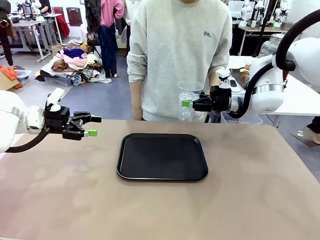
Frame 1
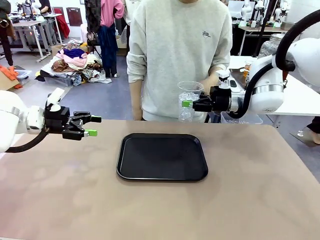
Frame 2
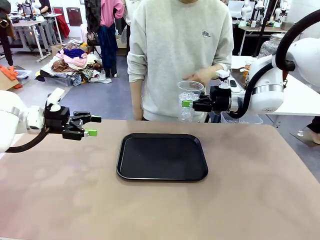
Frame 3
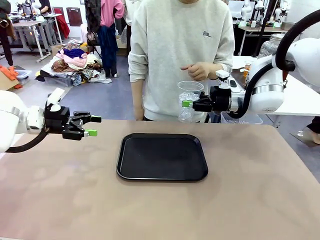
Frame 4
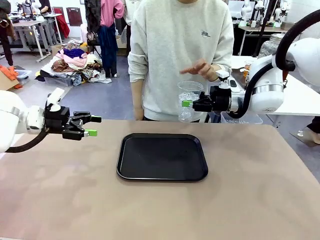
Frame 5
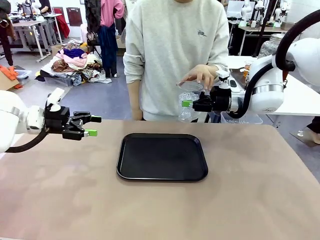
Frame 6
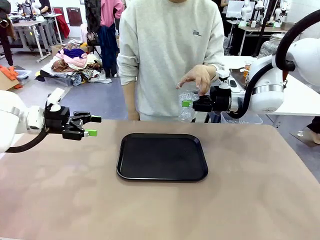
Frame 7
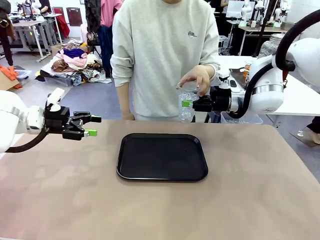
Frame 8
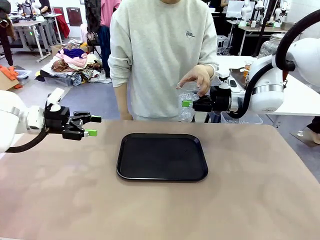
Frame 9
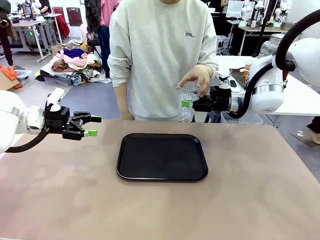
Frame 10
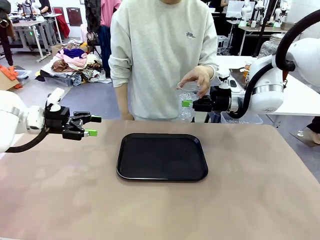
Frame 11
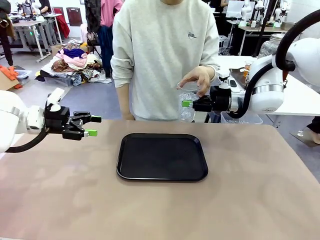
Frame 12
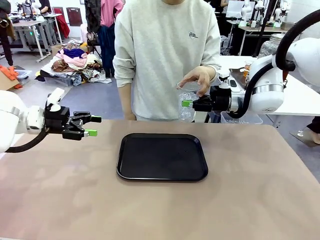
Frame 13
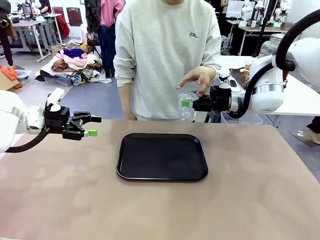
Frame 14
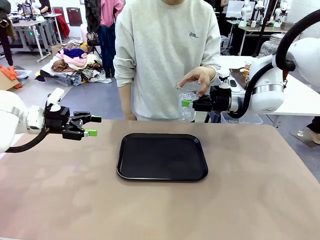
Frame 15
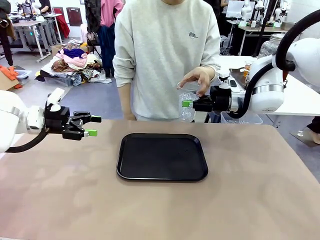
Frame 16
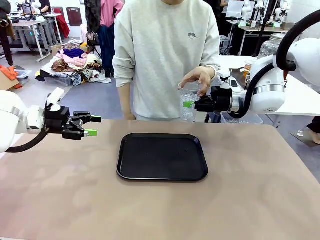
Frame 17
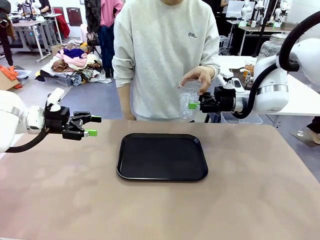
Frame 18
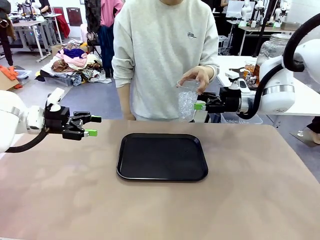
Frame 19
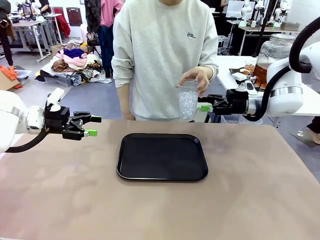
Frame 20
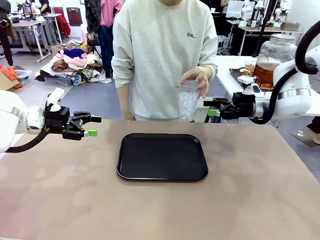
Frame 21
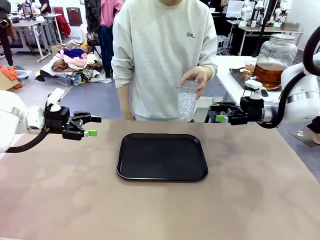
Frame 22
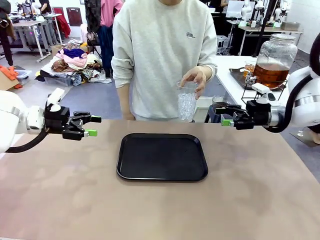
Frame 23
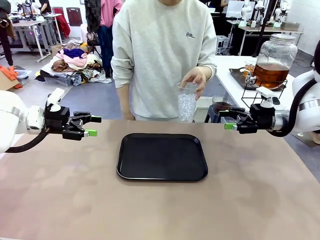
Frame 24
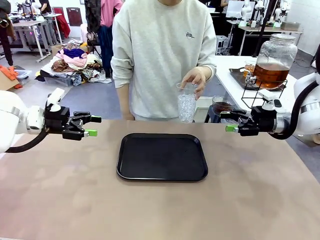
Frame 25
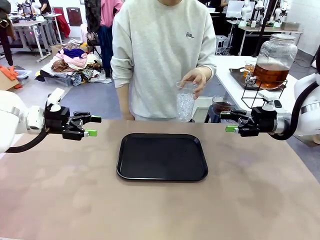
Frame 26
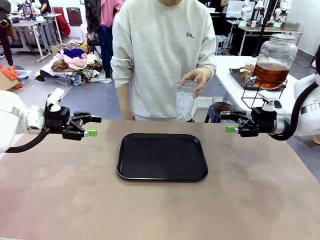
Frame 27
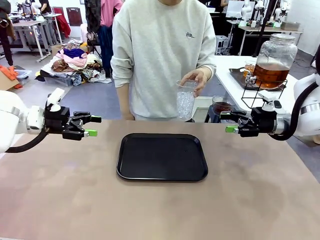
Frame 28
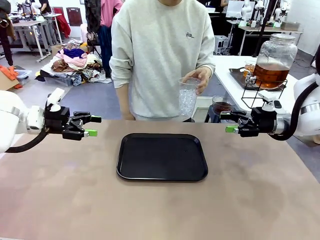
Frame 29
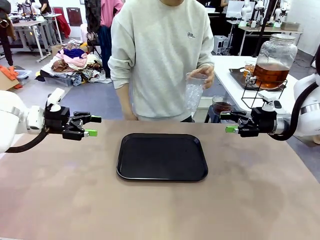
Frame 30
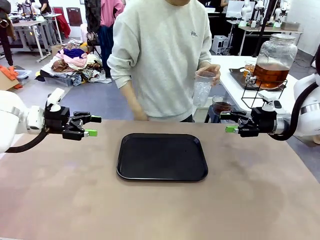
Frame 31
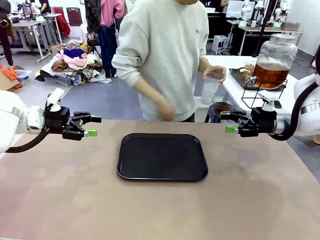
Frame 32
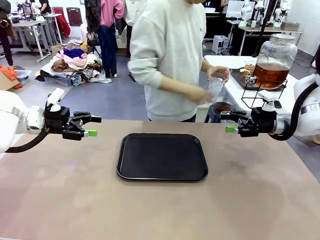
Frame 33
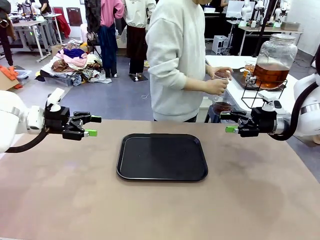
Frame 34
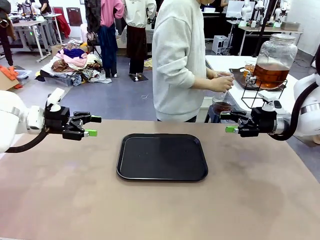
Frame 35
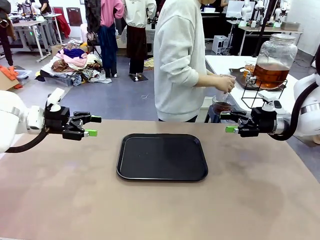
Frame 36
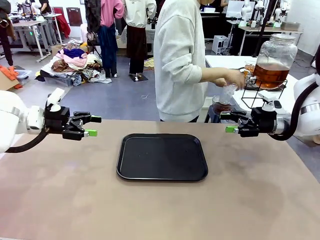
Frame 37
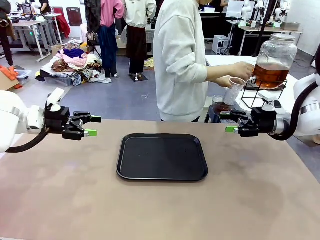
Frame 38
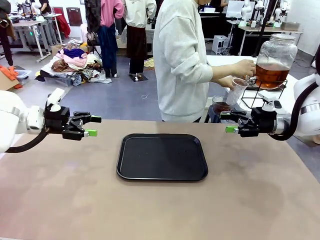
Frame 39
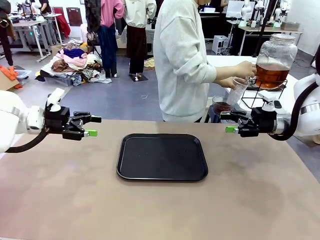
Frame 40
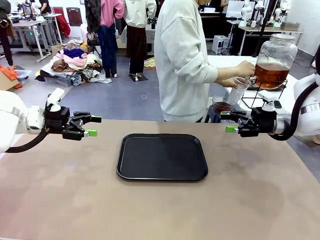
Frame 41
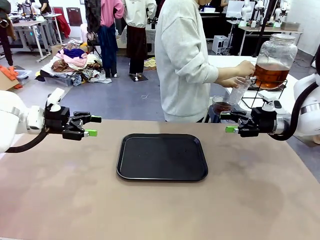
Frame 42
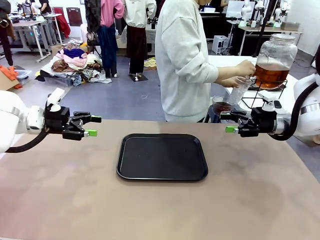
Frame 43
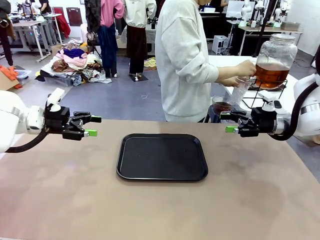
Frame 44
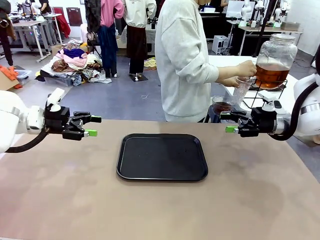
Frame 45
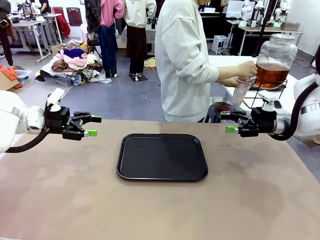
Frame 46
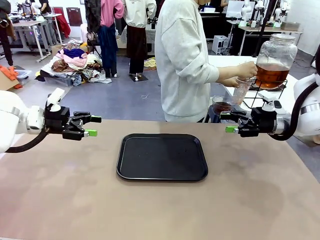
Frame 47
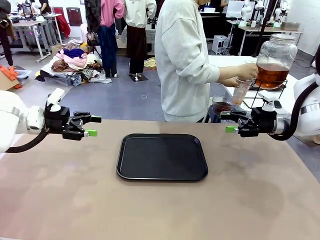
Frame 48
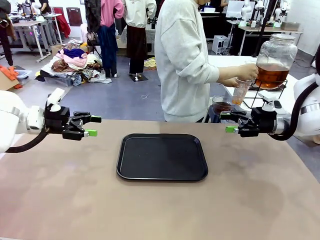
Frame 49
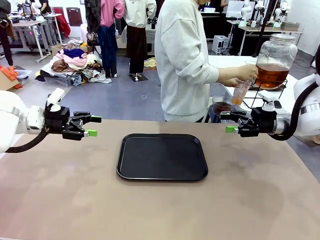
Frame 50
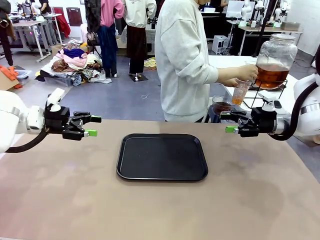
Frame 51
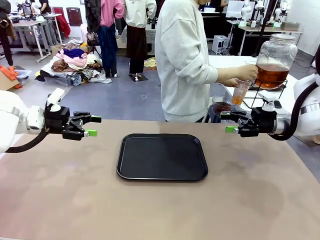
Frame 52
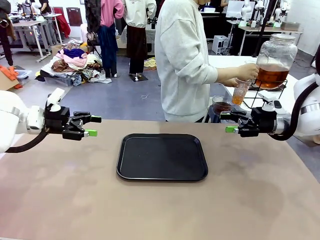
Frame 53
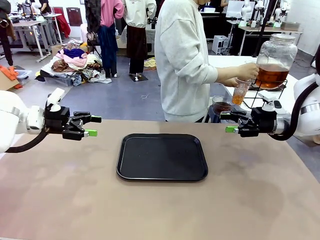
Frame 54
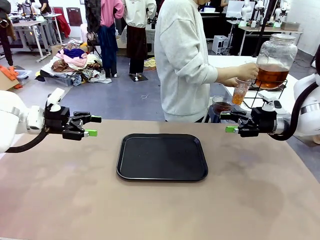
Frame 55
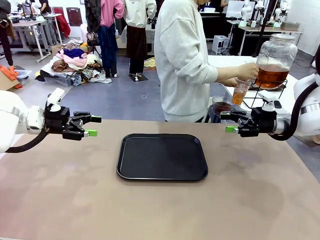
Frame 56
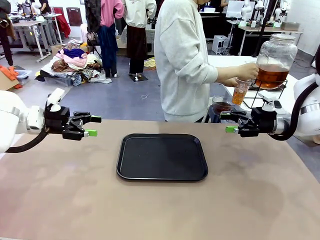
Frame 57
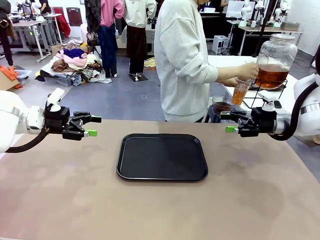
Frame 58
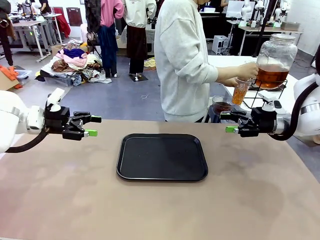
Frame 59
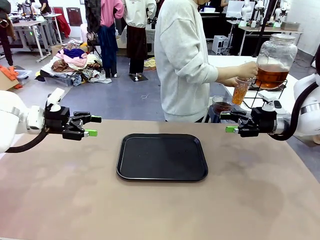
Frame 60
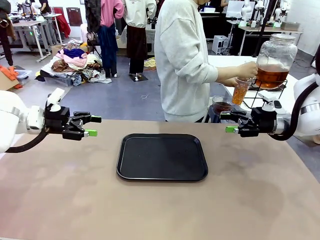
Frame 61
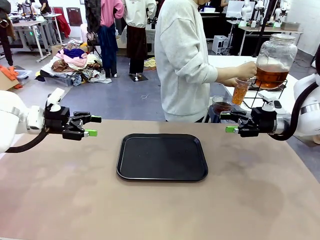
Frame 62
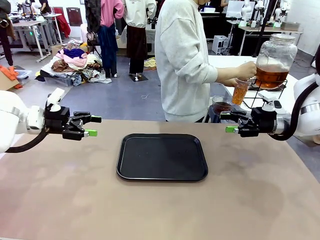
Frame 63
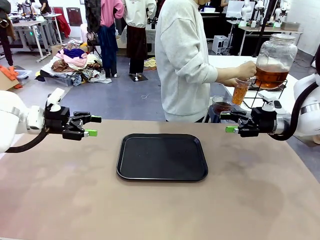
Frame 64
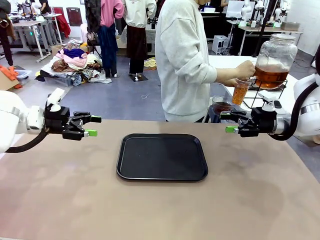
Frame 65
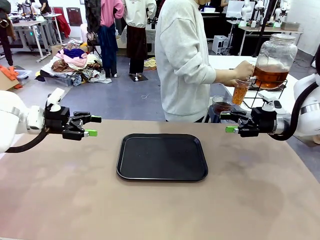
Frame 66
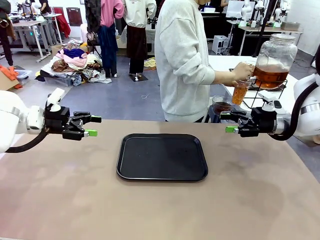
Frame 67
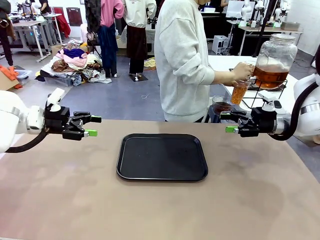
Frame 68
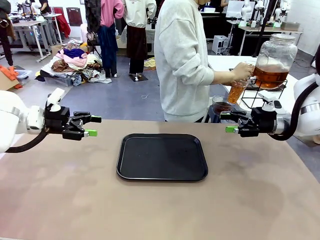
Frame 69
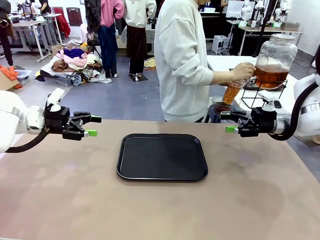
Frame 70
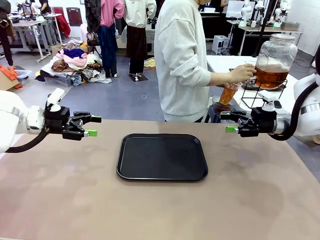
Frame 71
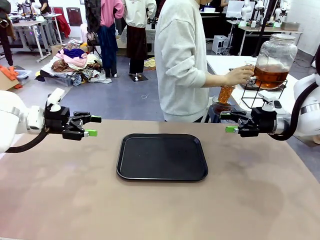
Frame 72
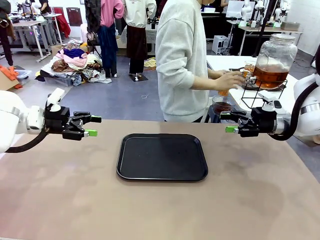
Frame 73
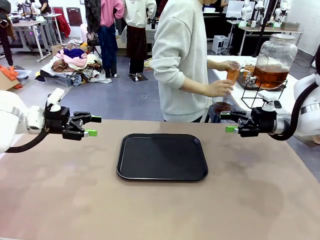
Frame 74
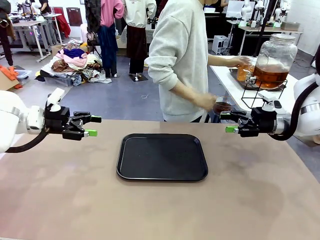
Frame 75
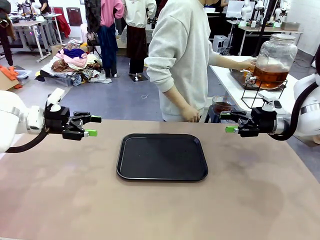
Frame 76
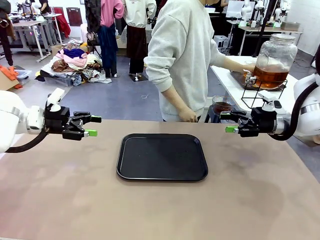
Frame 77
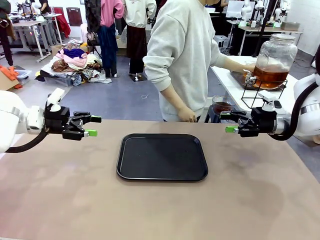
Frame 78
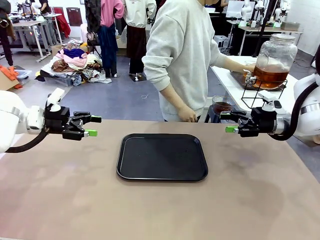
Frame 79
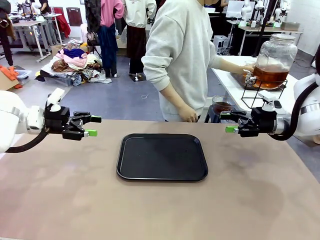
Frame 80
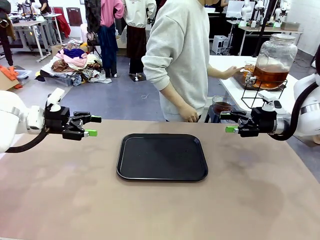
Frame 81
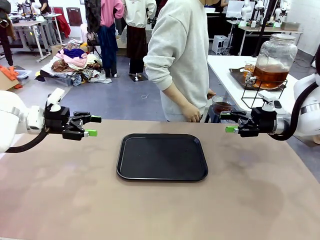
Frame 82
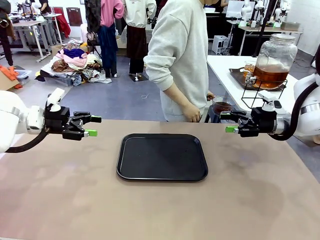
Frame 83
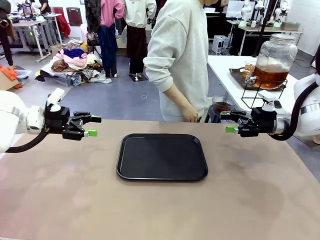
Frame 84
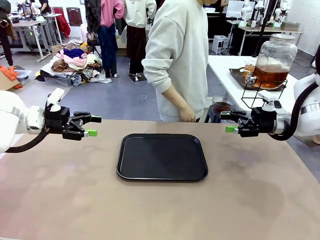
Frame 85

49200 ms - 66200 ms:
Task: Pour the drink into the iced cup.
Robot: Open the gripper to release the iced cup you were holding.
Person: Move the picked-up cup under the dispenser faucet, pour the drink, and place it on the tray on the human table.
